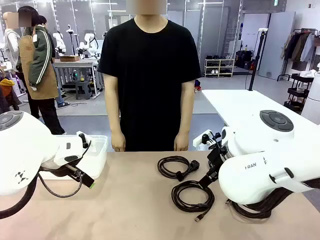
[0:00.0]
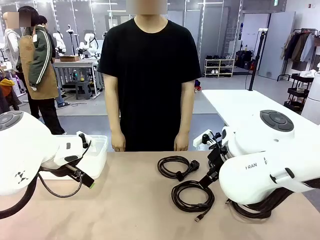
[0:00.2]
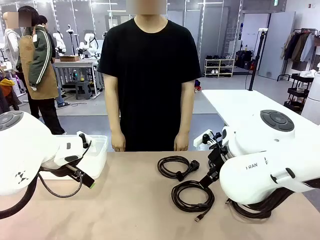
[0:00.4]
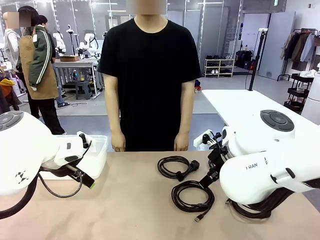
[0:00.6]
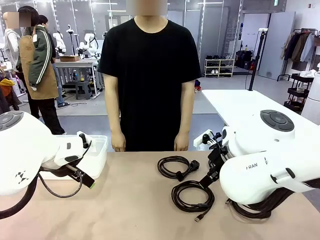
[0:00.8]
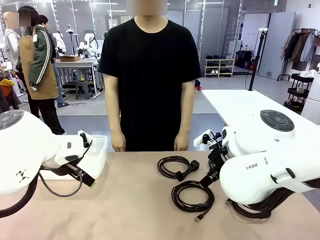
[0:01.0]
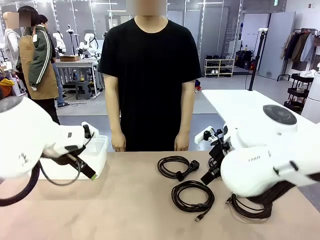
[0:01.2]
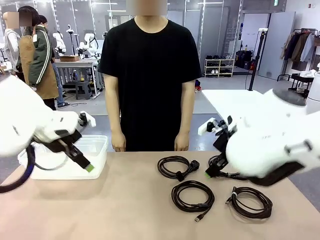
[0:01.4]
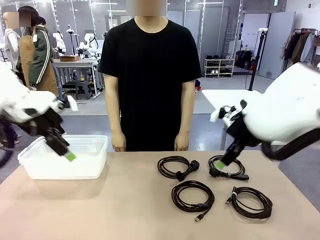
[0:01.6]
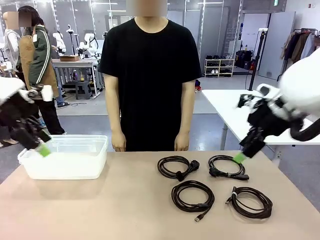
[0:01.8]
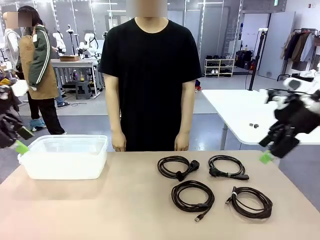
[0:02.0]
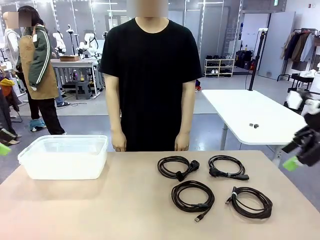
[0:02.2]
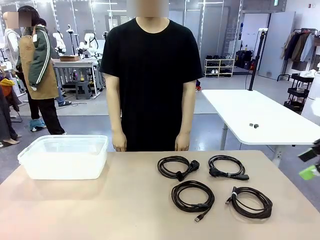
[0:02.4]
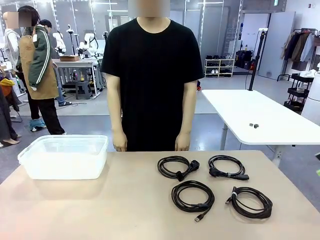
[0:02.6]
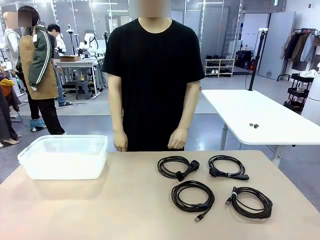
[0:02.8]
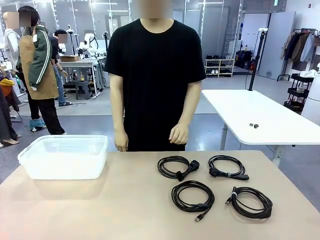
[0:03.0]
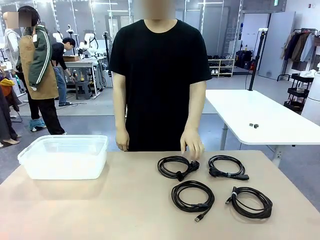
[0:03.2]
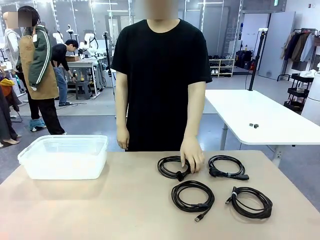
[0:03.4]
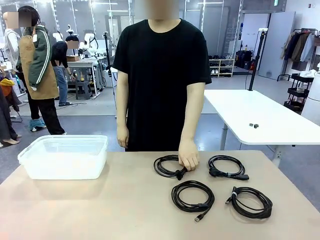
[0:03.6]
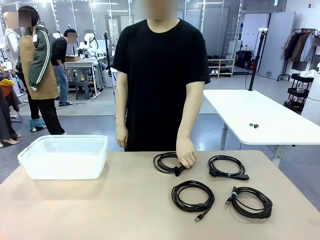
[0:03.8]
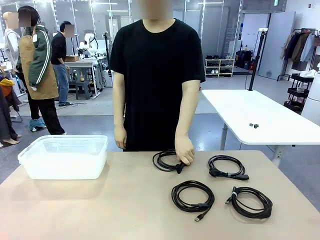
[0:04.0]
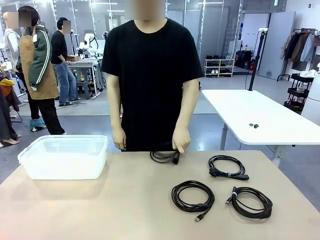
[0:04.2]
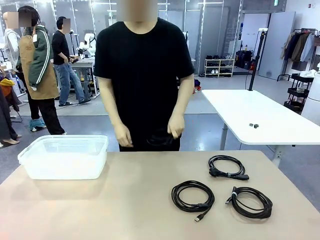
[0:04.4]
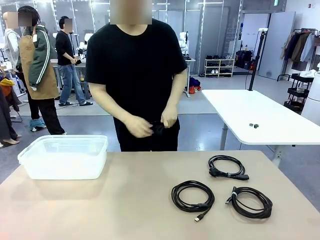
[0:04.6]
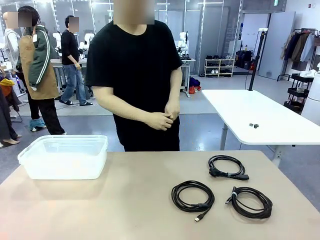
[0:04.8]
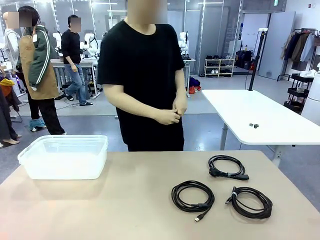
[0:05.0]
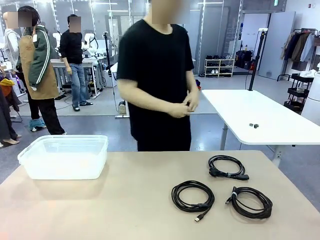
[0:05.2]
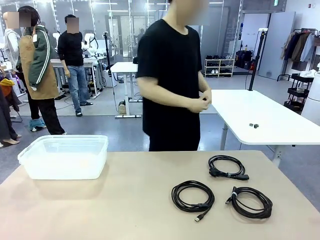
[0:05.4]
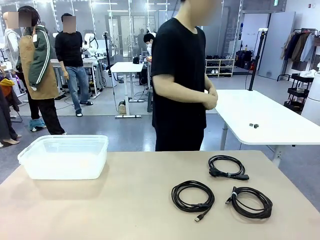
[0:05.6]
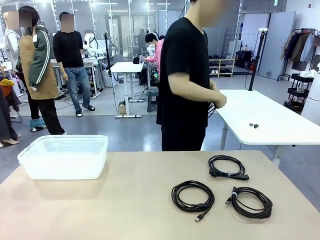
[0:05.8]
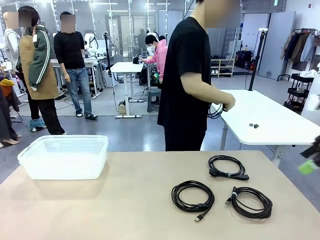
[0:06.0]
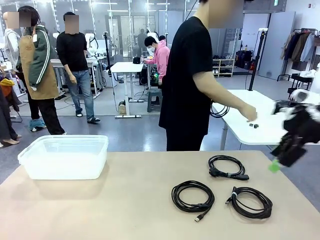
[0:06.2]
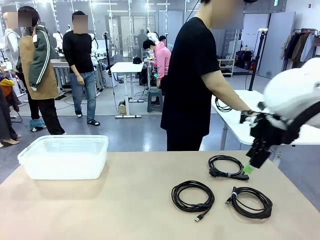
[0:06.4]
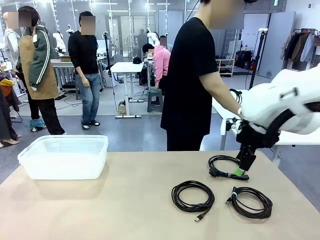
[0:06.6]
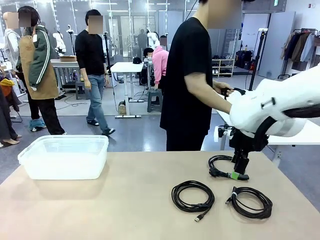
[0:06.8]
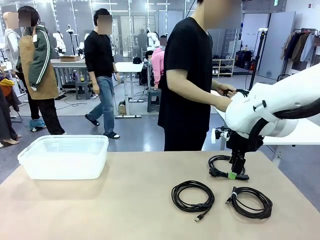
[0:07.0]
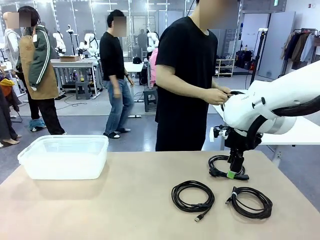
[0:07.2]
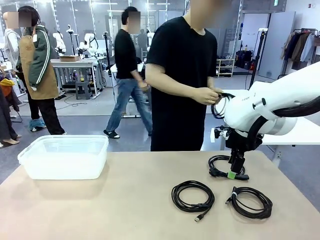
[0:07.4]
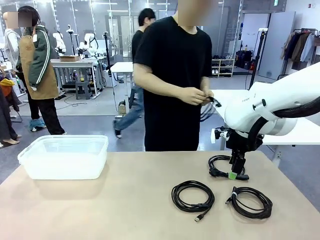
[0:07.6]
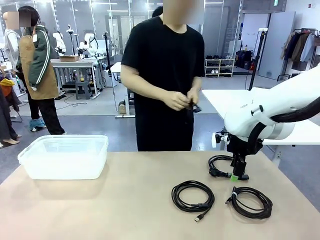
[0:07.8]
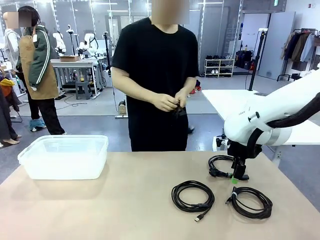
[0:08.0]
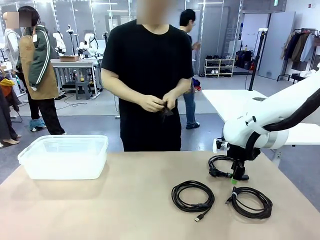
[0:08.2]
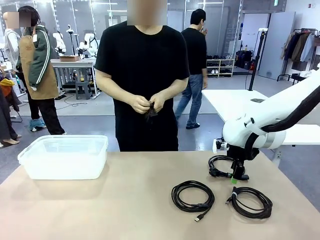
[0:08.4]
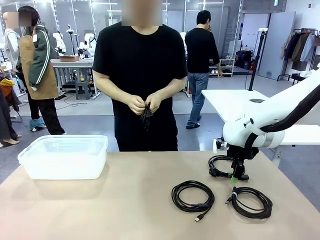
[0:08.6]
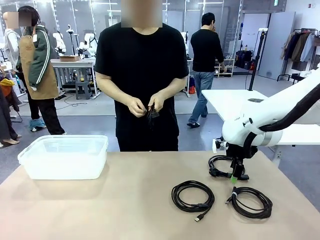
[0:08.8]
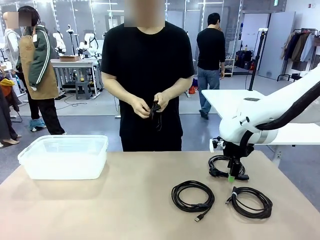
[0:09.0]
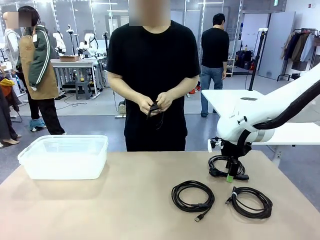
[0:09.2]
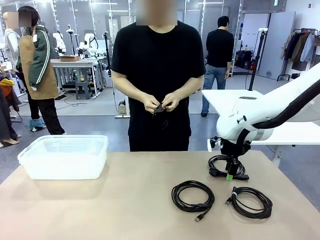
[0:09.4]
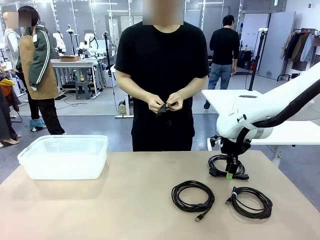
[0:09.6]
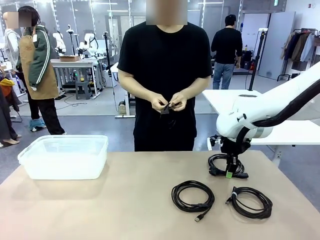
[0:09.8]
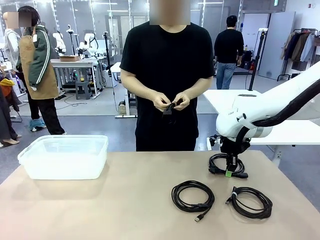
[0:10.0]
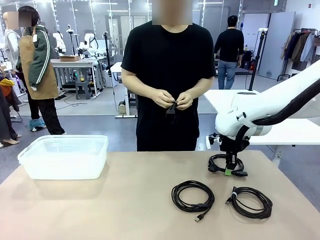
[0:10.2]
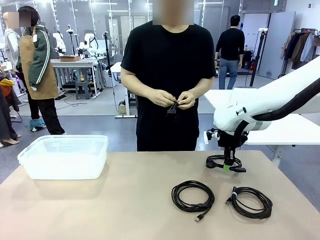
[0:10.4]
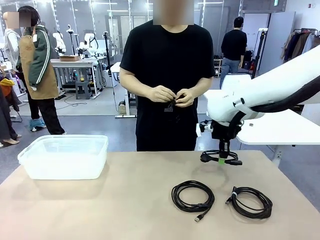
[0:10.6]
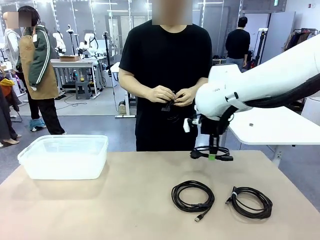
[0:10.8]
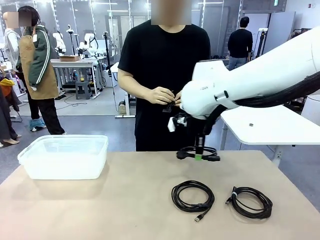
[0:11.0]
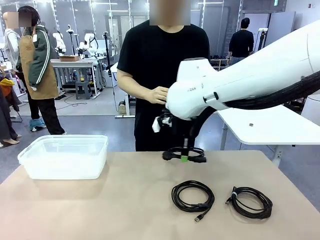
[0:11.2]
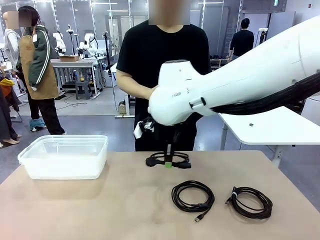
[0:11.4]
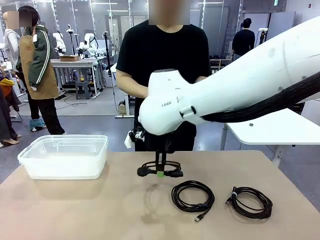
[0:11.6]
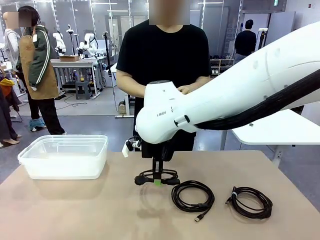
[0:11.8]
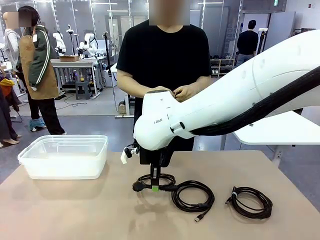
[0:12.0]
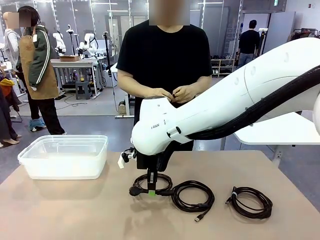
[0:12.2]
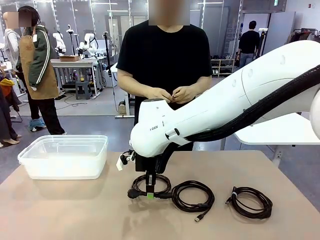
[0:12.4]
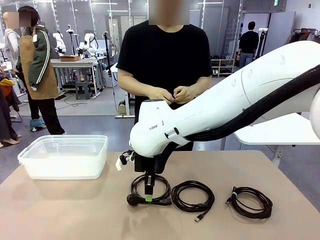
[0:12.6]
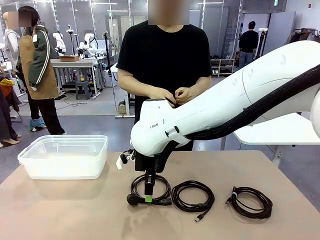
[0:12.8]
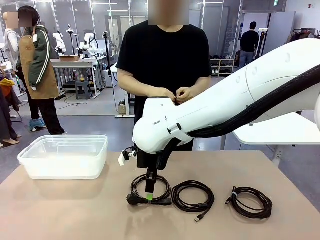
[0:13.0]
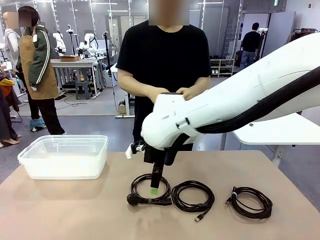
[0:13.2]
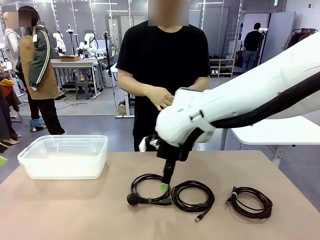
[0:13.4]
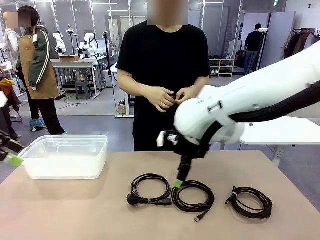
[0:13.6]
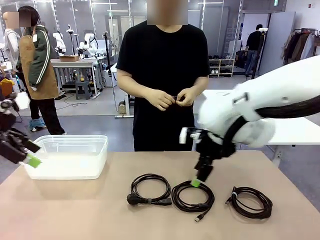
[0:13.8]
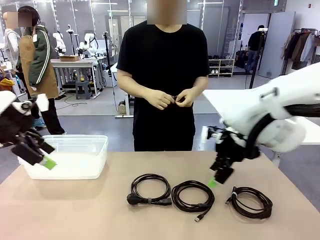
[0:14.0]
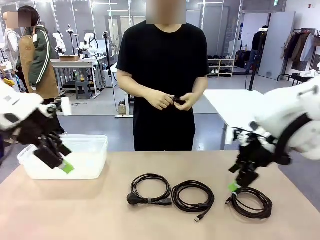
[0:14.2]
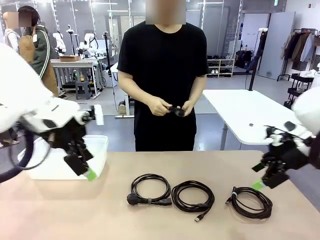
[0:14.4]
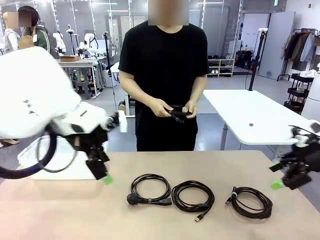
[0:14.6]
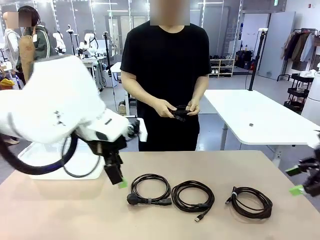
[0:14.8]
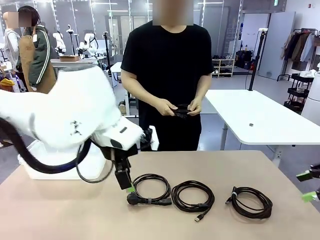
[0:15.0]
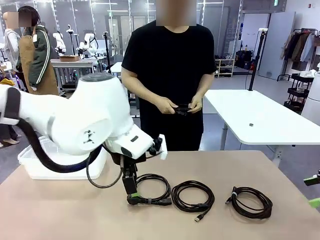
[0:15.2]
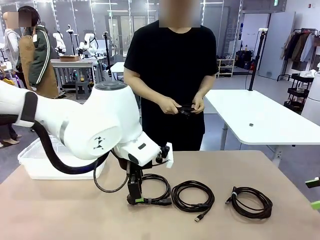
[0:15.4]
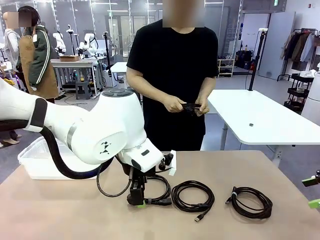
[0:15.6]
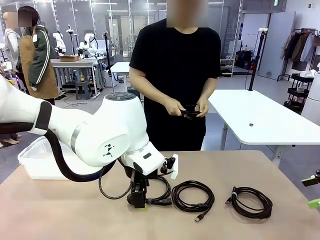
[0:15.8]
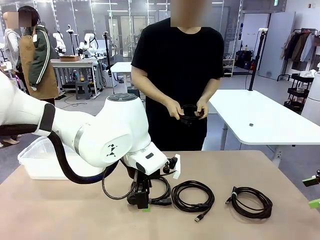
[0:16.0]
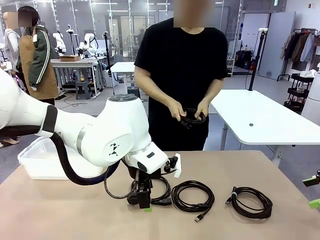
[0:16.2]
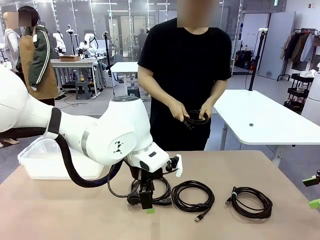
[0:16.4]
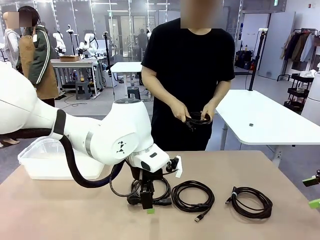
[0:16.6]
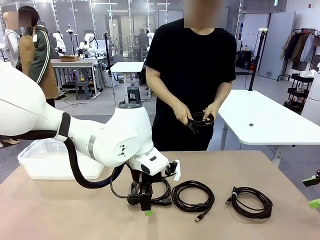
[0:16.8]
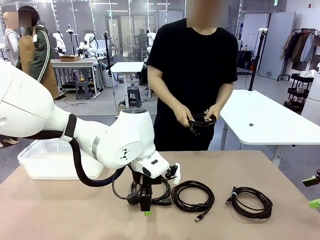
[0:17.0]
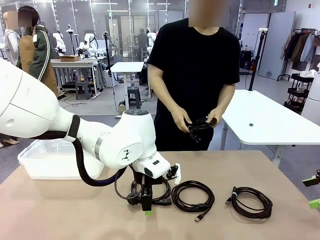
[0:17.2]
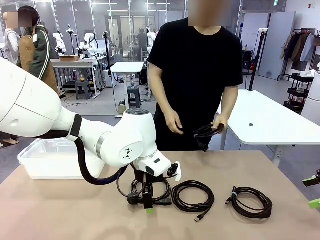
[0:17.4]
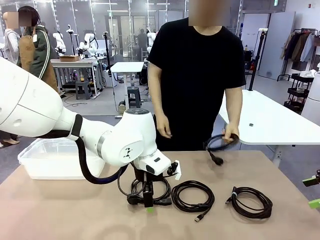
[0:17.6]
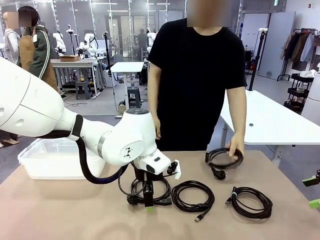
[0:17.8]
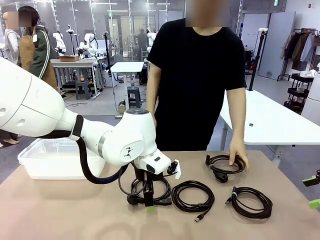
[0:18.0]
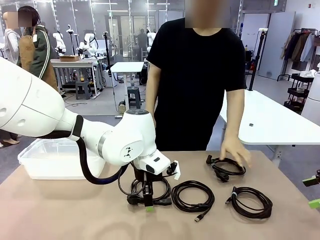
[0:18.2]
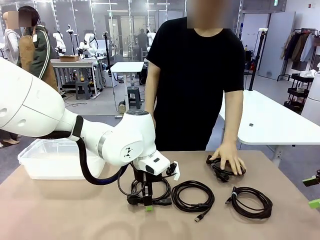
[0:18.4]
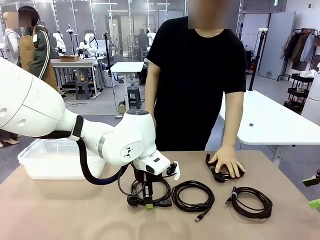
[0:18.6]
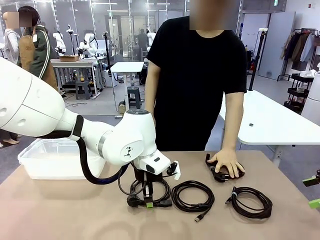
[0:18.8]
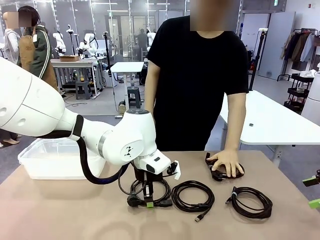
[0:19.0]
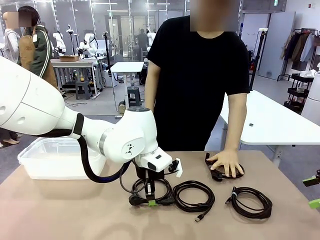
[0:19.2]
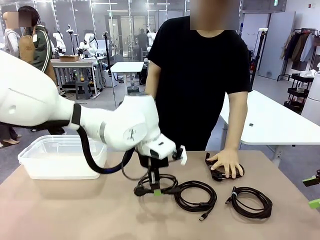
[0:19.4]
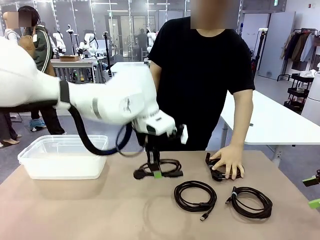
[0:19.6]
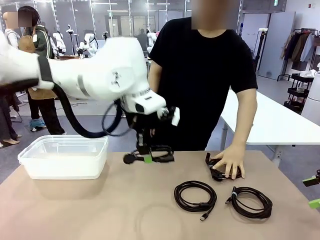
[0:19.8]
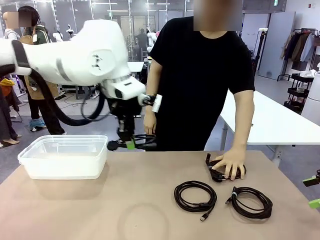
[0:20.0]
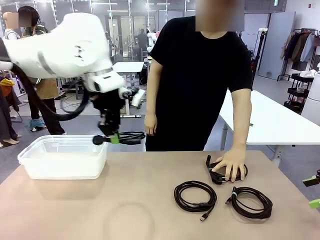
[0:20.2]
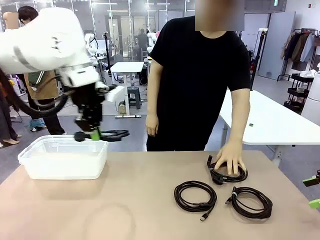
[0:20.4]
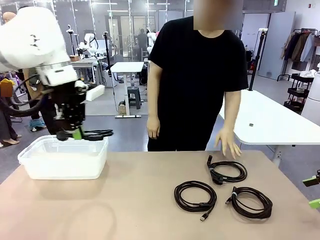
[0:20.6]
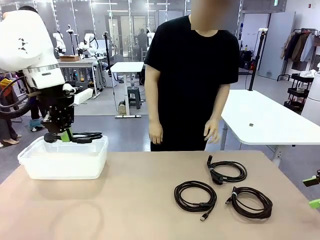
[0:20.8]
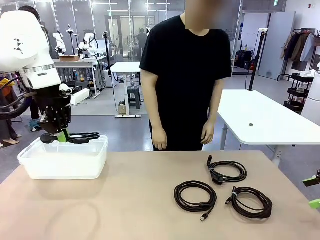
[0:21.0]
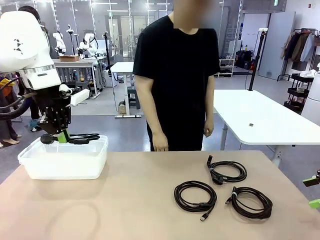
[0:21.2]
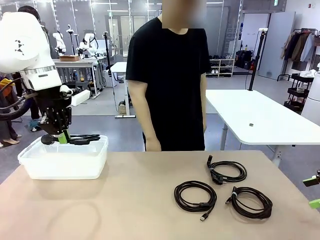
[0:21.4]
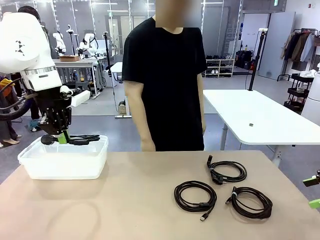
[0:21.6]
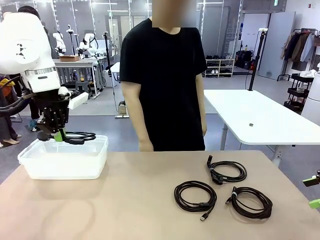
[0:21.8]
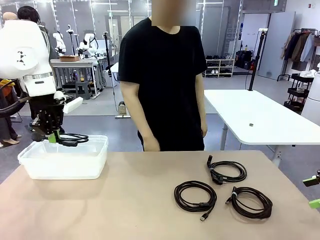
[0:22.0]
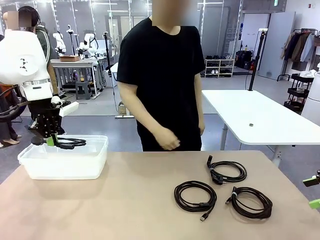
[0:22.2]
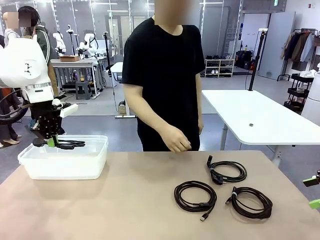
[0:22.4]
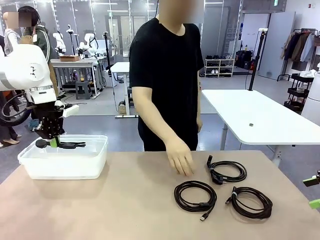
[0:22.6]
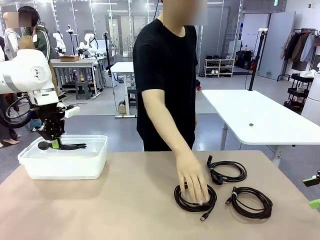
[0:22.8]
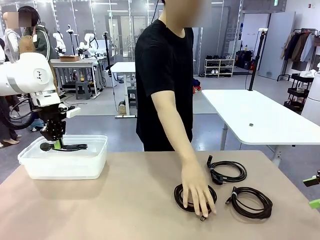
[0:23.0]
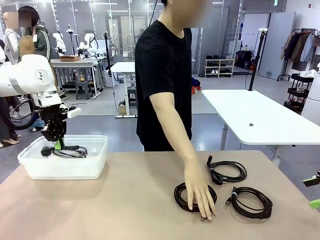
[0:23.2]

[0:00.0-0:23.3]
Task: Organize and store the cables.
Robot: Place the Power Cable into the Organizing box.
Person: Tie one Power Cable with a Reusable Cable Tie.
